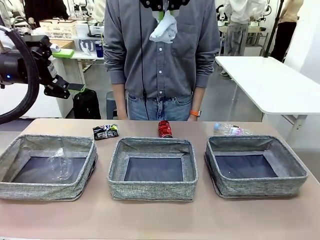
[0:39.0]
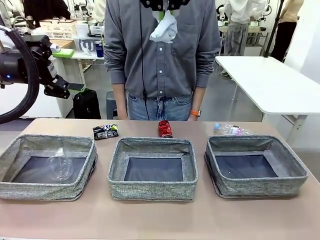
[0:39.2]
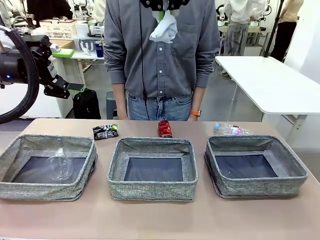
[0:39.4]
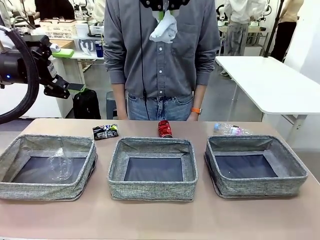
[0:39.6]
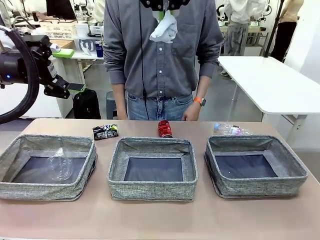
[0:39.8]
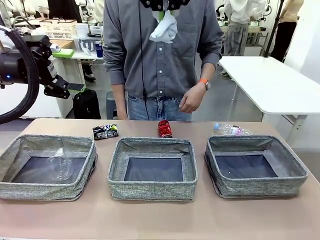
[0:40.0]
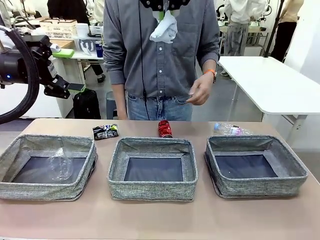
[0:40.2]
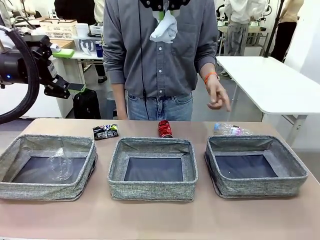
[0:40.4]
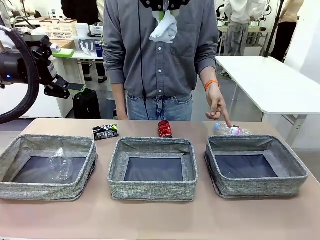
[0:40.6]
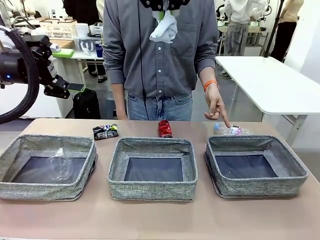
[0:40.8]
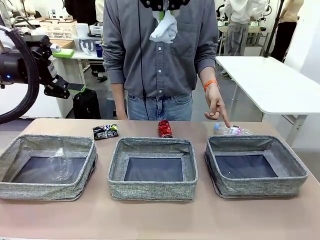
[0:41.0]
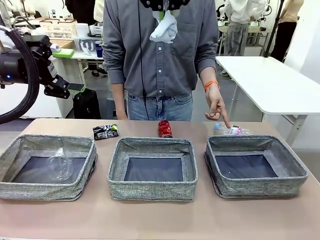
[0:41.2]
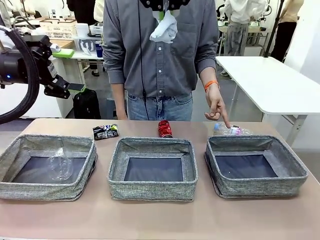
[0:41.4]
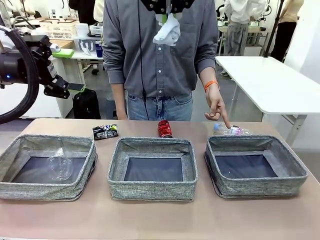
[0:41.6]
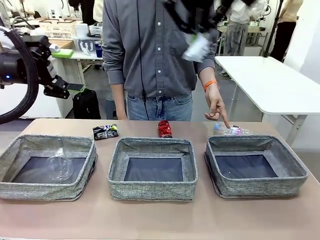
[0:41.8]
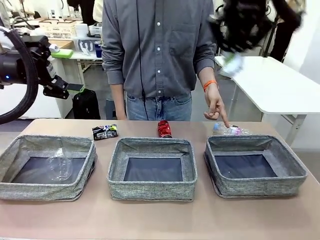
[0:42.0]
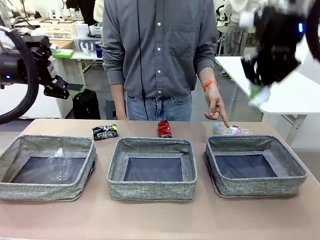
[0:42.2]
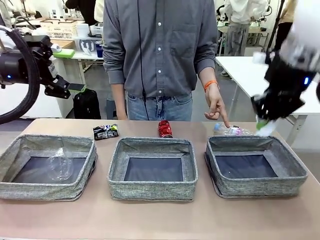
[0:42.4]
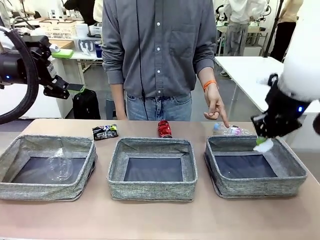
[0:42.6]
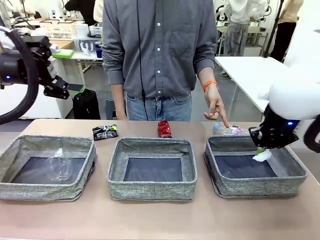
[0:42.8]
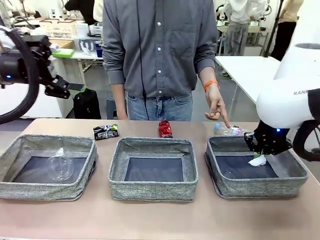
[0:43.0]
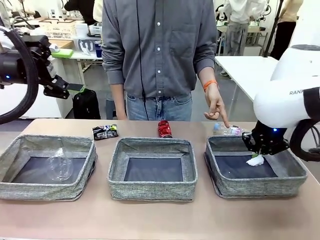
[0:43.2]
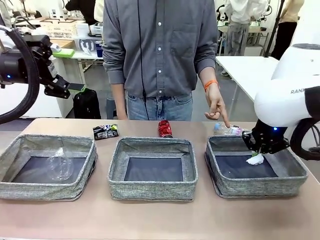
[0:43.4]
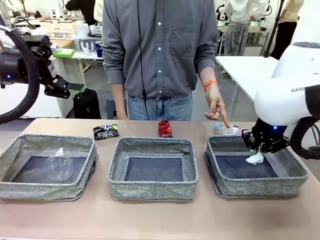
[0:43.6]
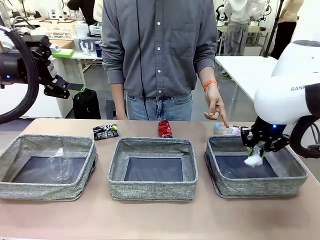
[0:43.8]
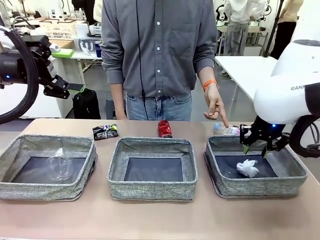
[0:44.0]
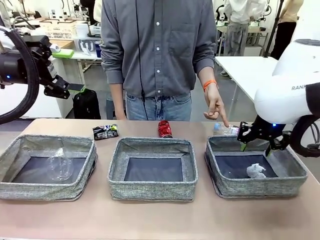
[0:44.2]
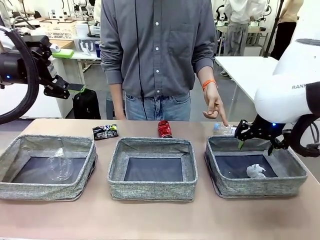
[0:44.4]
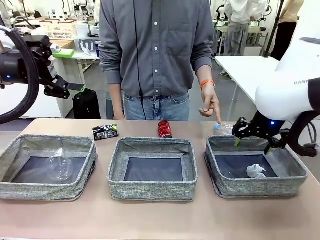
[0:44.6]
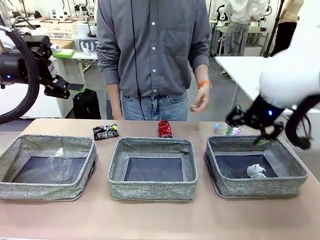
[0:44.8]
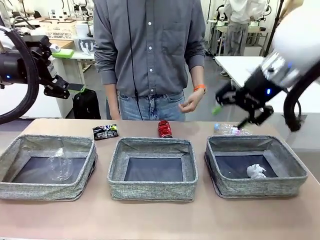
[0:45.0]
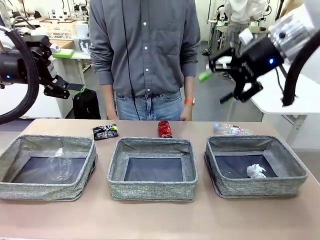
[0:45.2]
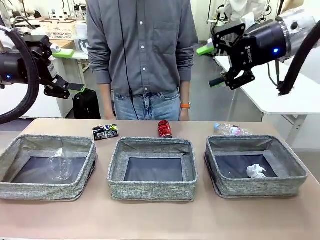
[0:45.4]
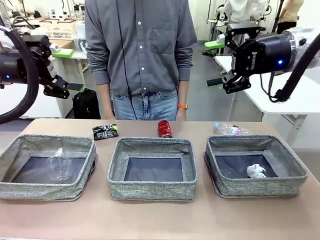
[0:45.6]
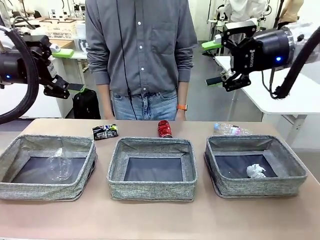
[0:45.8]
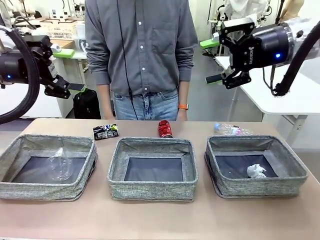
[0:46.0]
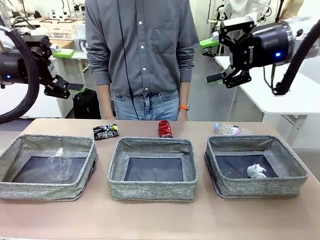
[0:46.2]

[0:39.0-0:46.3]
Task: Sort the waste into the appropriate baskets.
Robot: Place the picked waste into the Fabric basket indicated by the person.
Person: Instructs the robot to place the picked-up trash into the appropriate organizing basket.

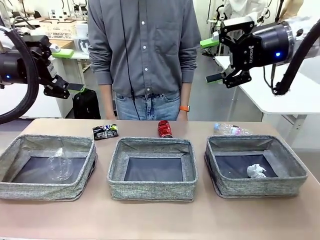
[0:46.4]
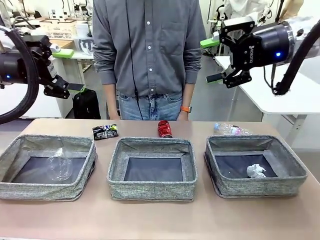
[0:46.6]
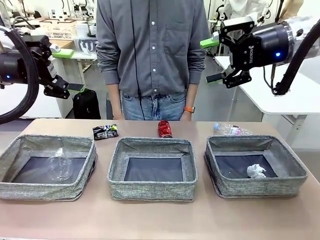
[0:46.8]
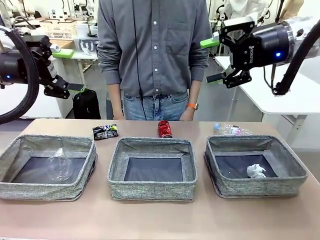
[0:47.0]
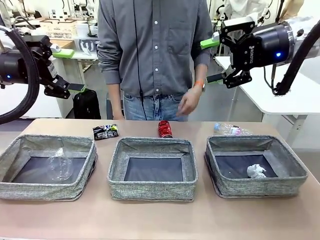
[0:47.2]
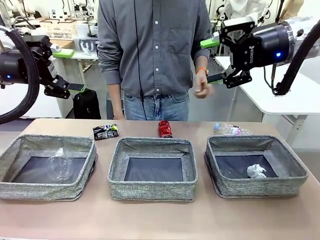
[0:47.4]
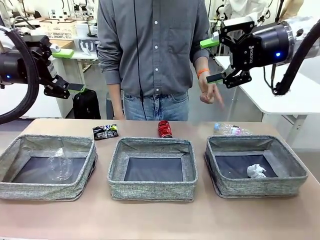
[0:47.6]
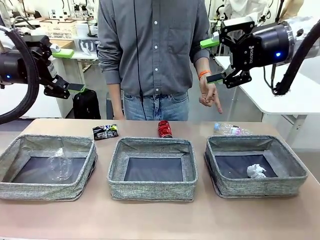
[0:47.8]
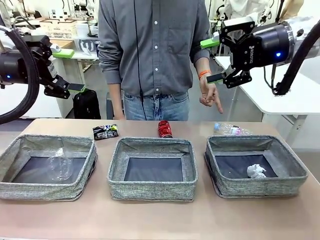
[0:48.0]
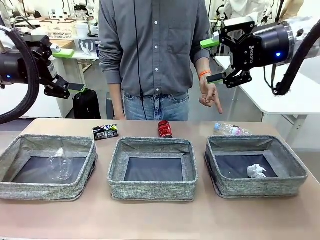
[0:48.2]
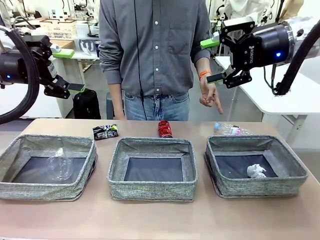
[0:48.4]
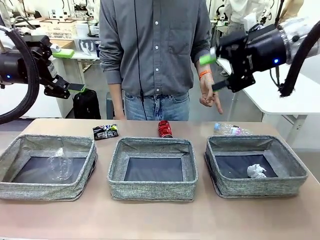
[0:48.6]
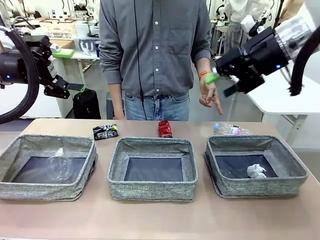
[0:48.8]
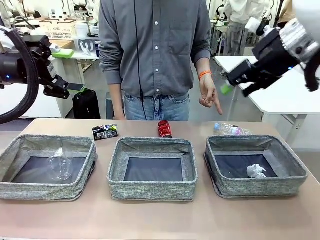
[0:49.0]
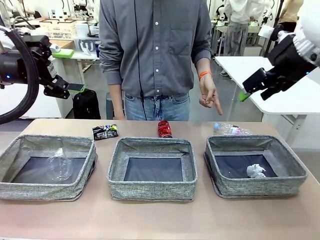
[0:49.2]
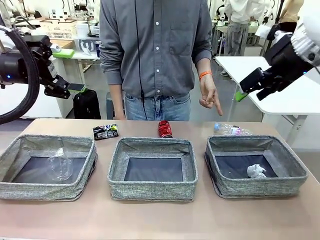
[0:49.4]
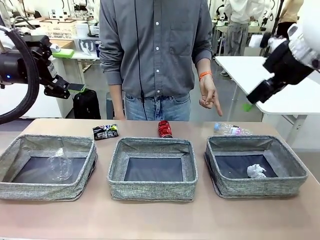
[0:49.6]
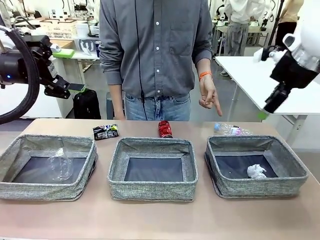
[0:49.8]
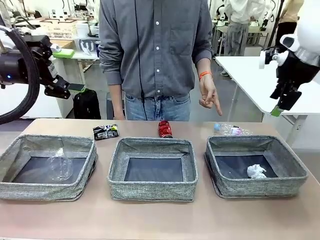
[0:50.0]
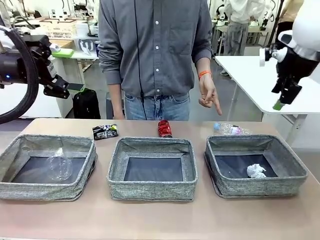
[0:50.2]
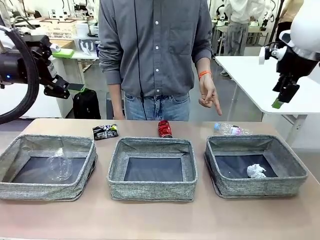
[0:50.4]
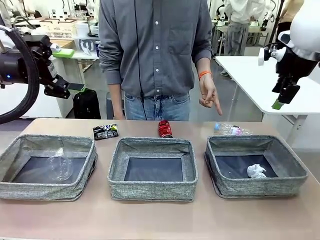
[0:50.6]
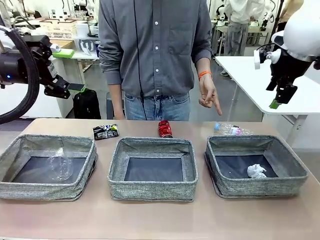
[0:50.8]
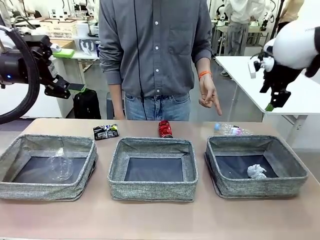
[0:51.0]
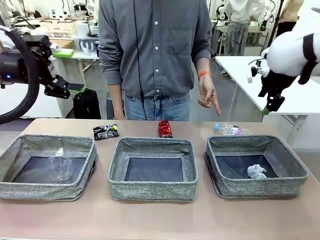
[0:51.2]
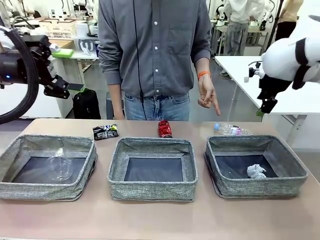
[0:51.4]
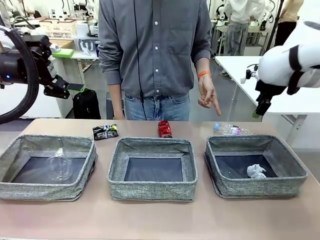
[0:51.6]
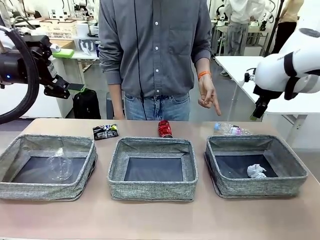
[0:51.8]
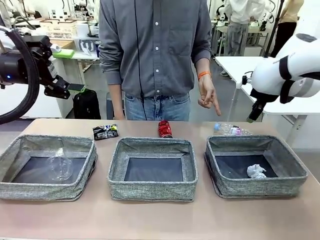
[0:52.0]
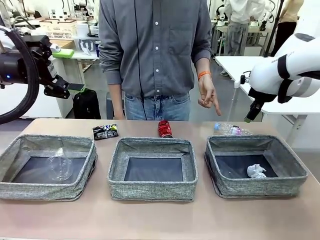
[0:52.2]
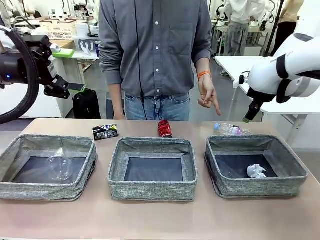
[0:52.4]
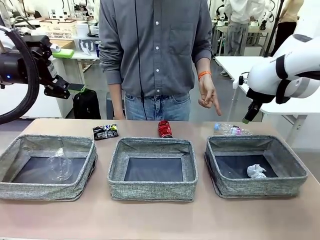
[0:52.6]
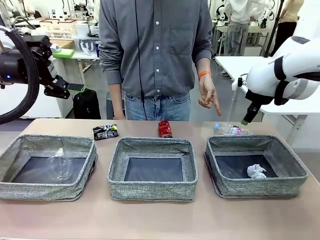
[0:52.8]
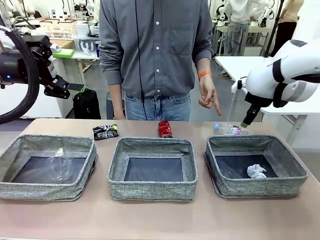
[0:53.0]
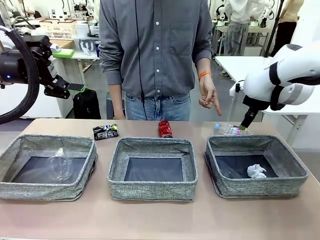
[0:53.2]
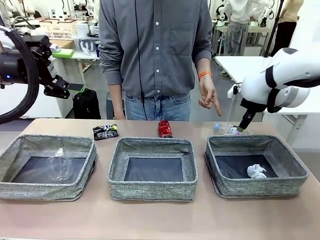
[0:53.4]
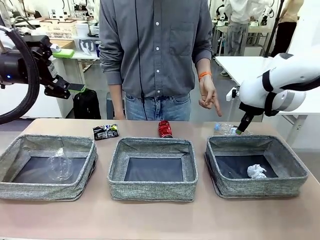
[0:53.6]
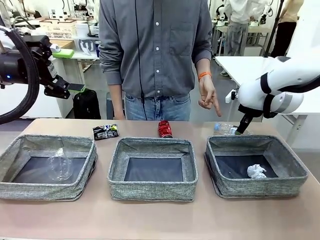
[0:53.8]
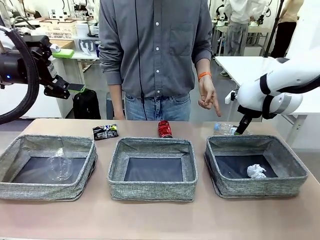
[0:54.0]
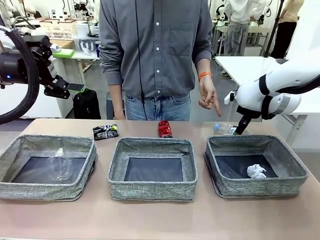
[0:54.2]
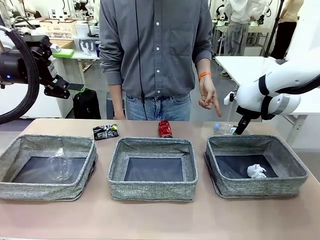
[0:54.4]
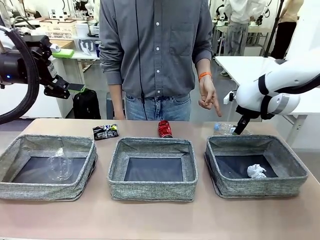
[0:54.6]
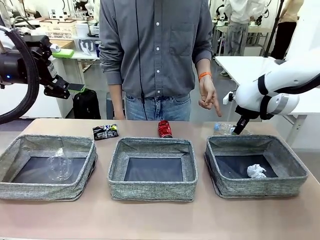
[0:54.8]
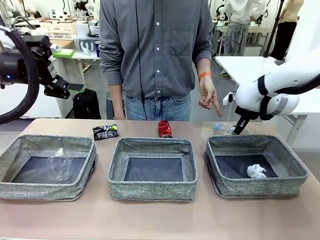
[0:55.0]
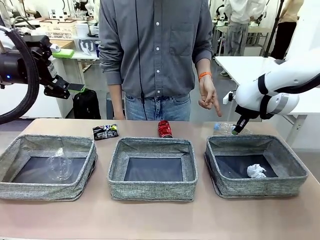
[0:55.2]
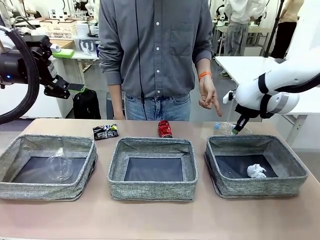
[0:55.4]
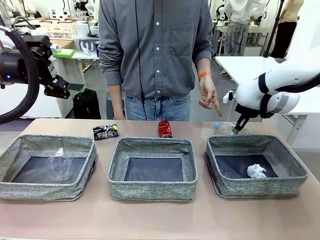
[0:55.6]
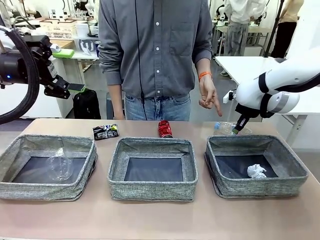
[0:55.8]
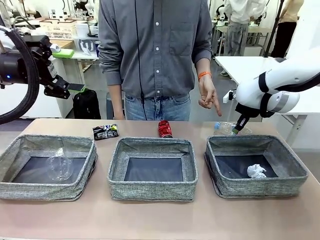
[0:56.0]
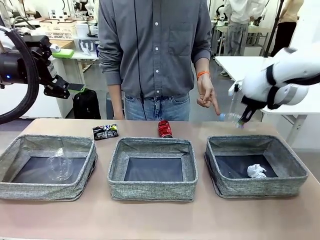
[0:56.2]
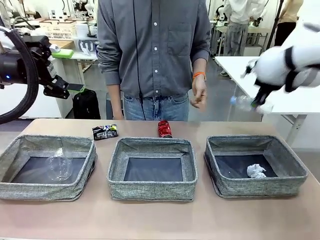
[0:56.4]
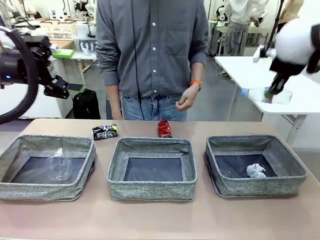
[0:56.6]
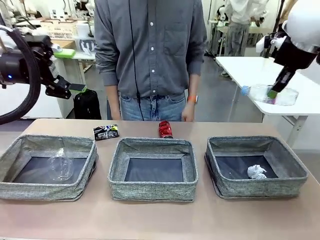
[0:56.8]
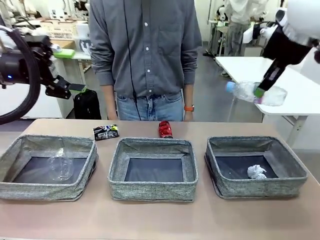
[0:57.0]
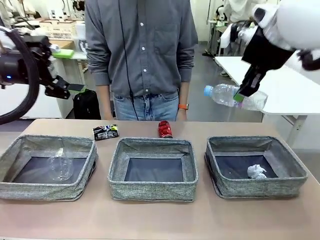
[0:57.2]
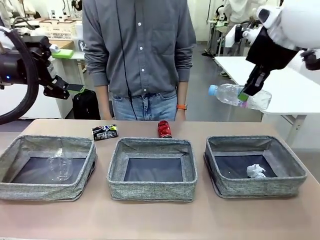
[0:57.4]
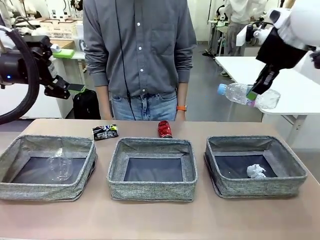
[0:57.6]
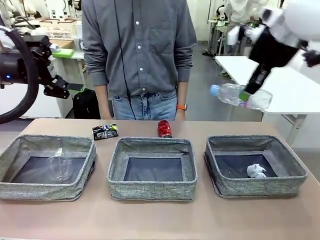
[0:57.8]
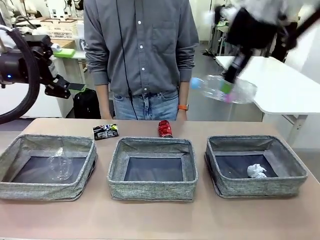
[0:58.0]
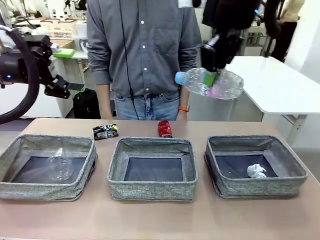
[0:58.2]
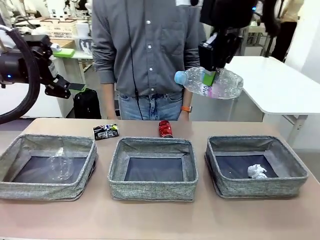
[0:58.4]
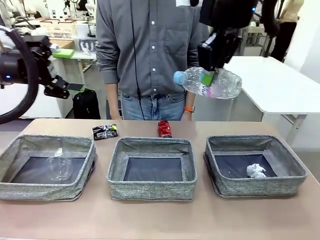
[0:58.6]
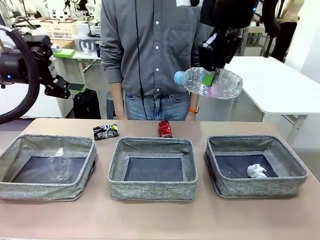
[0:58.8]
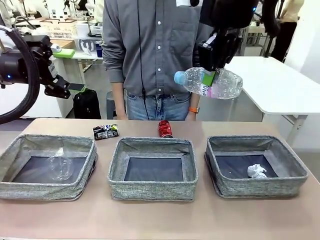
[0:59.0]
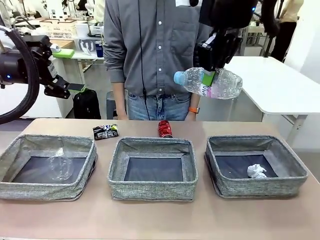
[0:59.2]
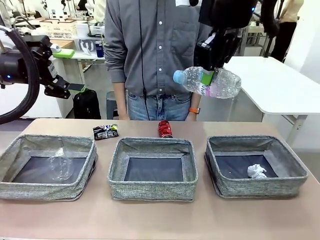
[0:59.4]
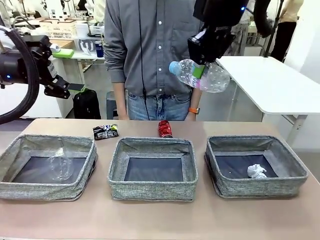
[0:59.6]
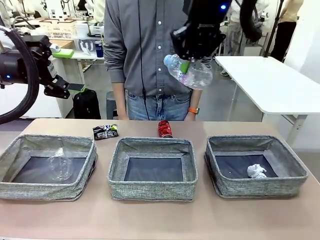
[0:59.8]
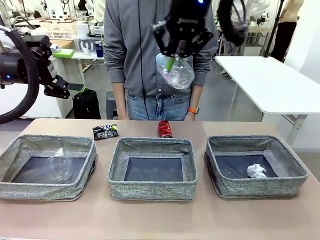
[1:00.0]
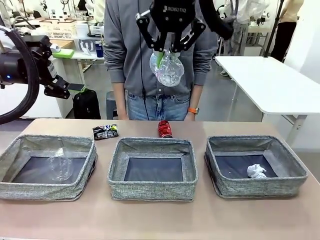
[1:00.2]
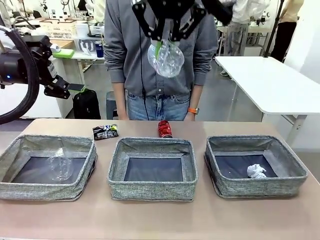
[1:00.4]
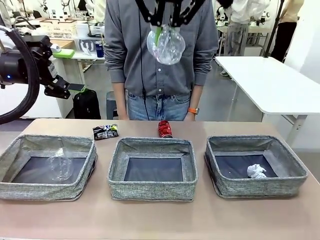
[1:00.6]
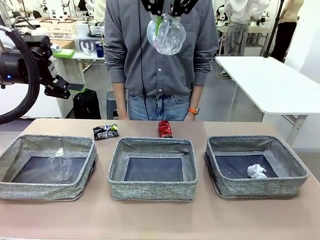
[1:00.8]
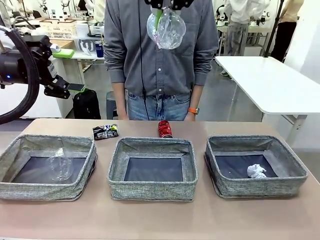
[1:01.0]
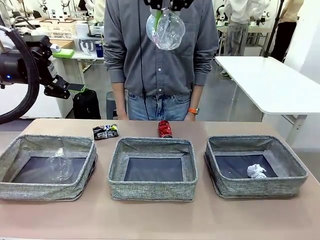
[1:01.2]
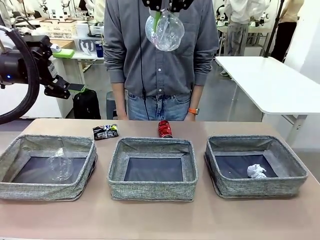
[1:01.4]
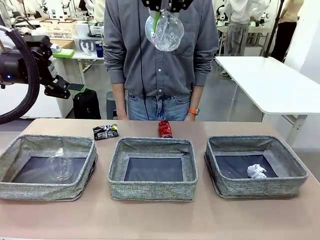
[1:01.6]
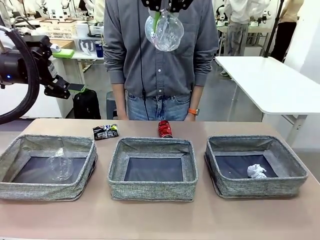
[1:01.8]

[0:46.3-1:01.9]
Robot: Pick up the waste item pointed out by the person.
Person: Points to one piece of trash on the table.
